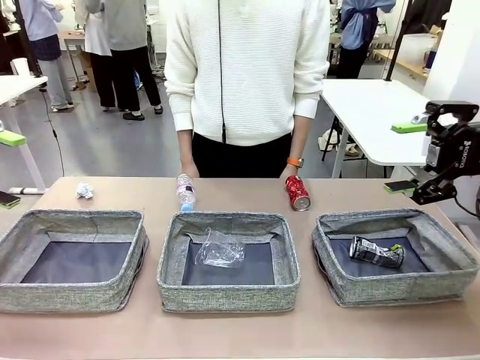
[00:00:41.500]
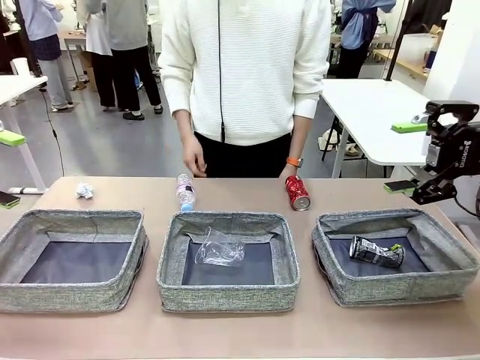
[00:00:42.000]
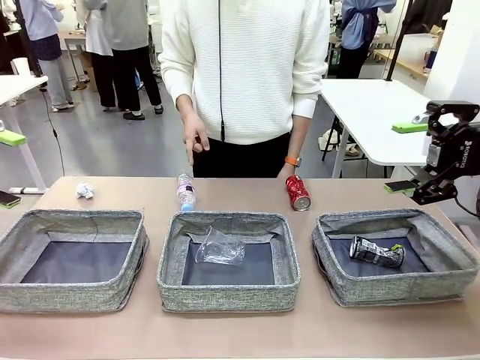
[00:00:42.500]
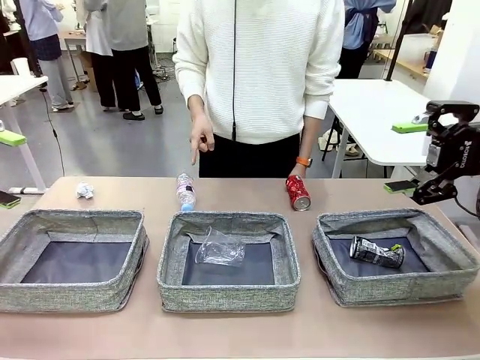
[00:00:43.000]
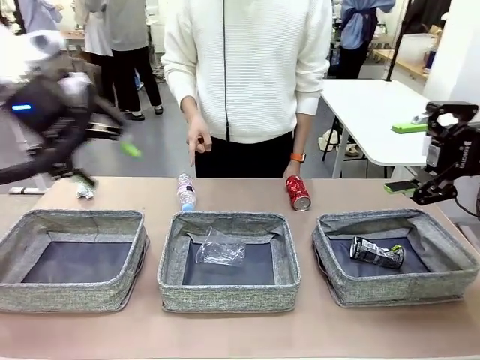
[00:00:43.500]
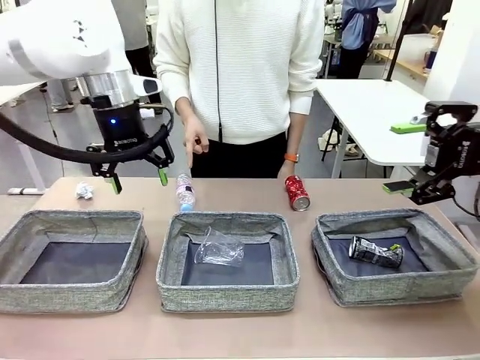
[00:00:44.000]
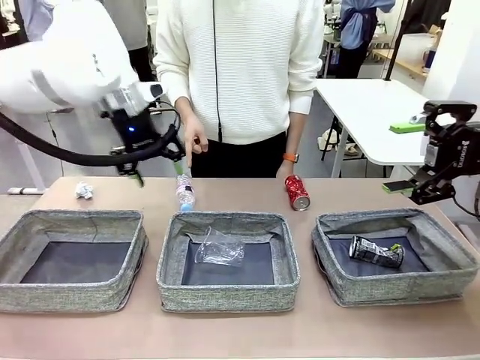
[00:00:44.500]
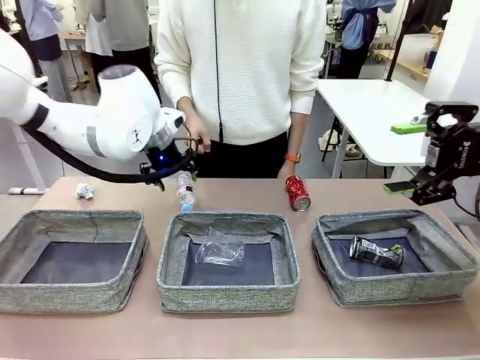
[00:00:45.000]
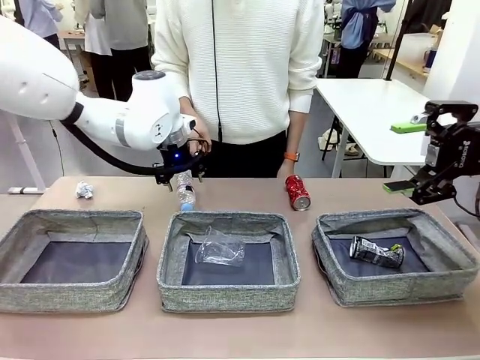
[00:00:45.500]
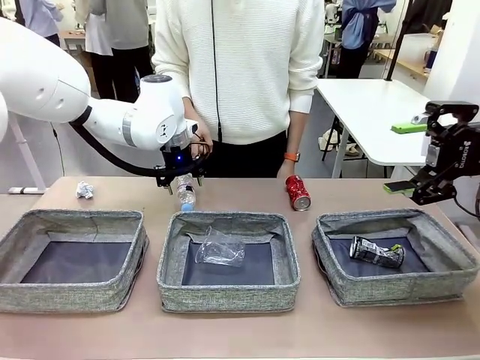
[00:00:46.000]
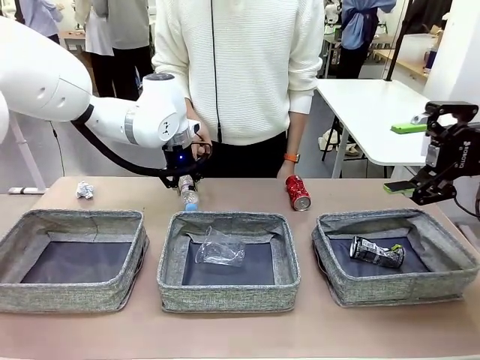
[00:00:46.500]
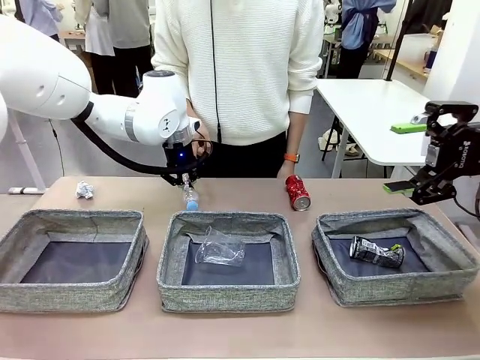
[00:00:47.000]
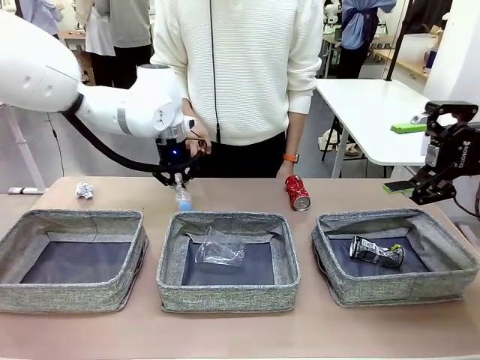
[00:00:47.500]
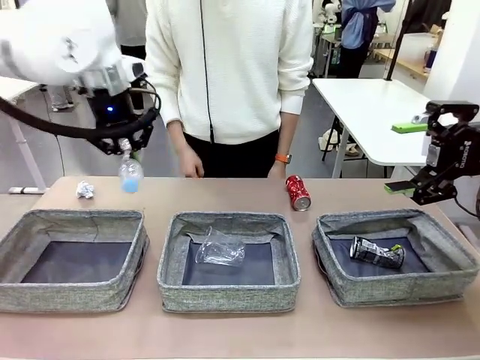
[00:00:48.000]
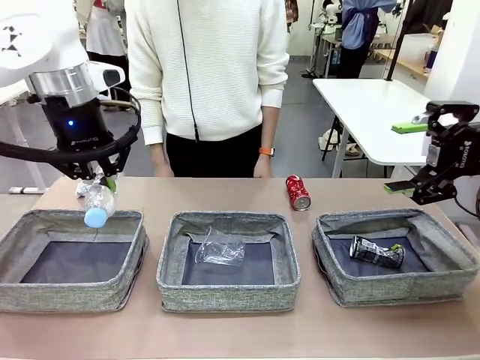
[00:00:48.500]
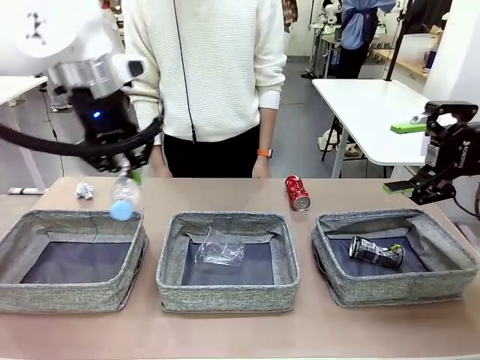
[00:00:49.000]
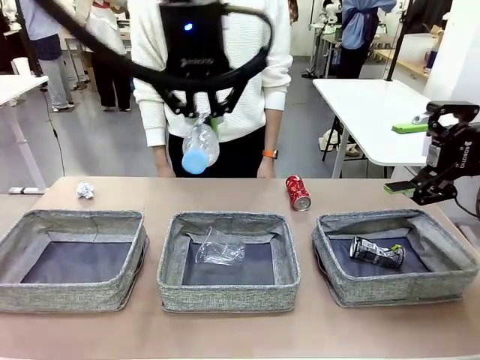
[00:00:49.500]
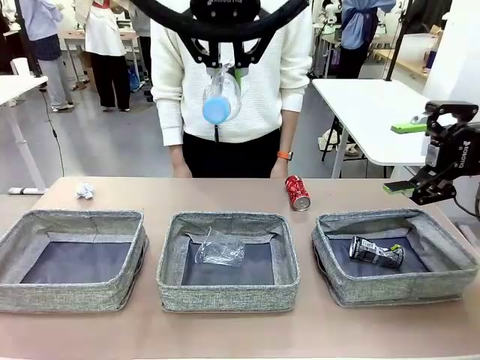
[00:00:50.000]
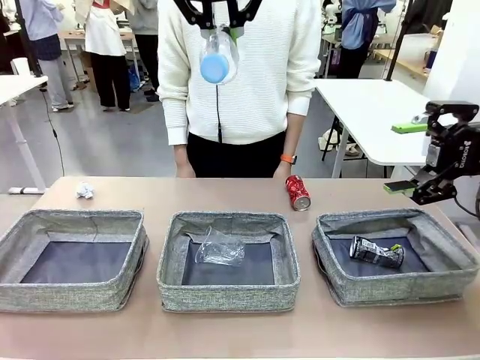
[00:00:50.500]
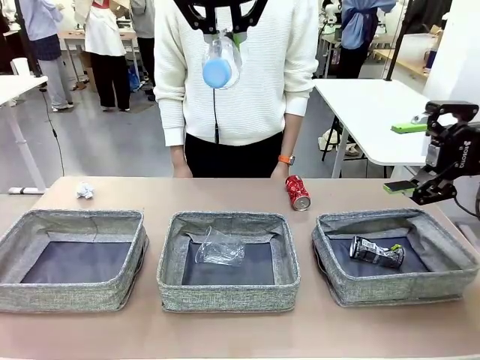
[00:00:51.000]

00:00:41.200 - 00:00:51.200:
Task: Sort the waste into the appropriate baskets.
Robot: Pick up the waste item pointed out by the person.
Person: Points to one piece of trash on the table.

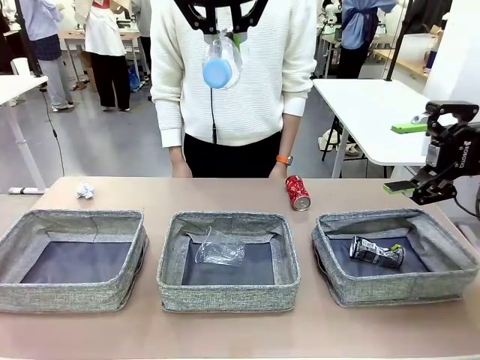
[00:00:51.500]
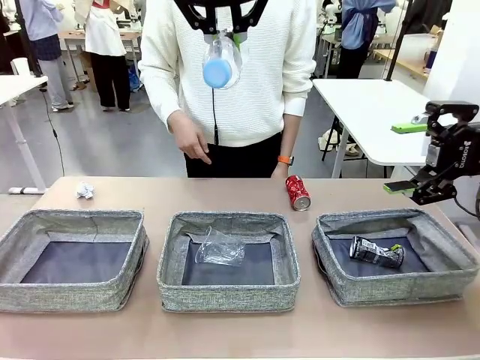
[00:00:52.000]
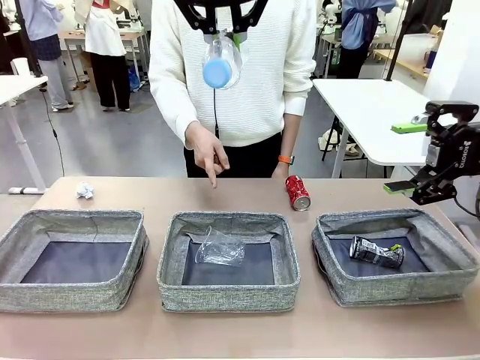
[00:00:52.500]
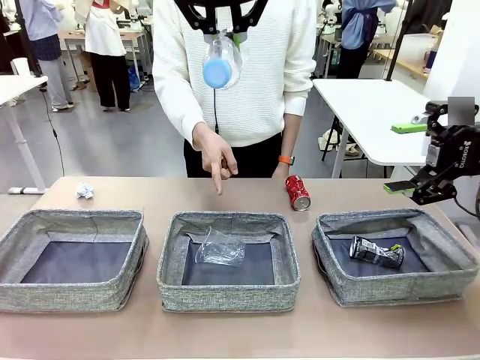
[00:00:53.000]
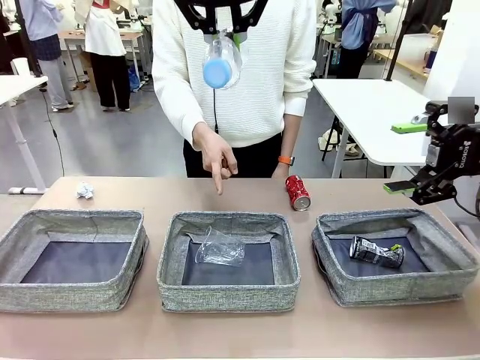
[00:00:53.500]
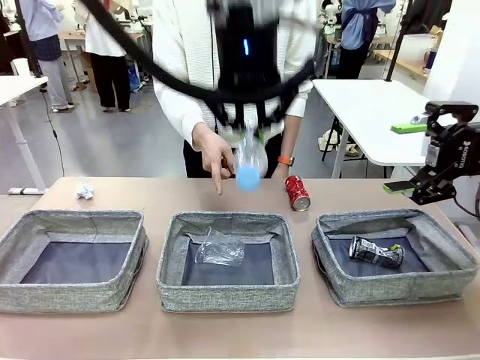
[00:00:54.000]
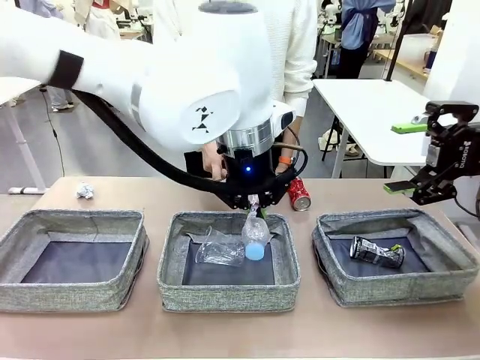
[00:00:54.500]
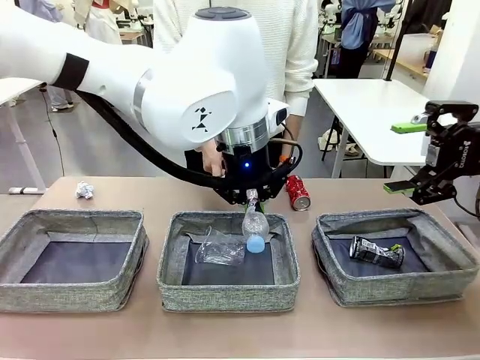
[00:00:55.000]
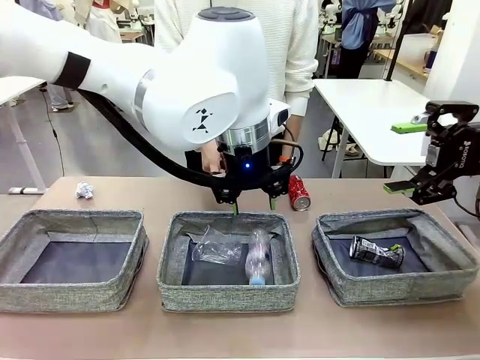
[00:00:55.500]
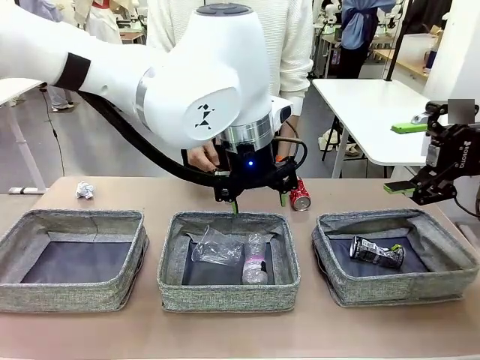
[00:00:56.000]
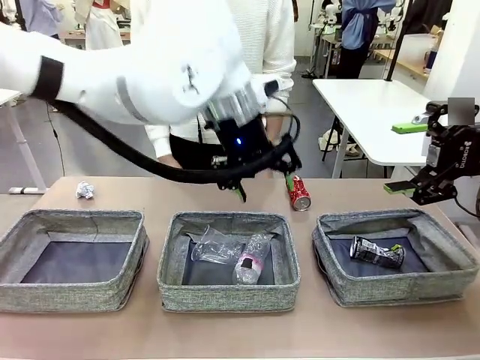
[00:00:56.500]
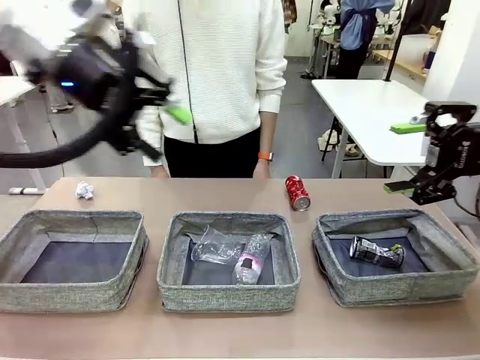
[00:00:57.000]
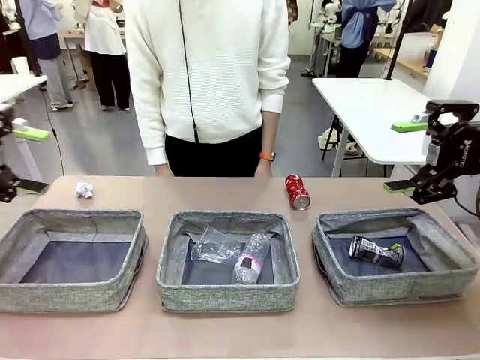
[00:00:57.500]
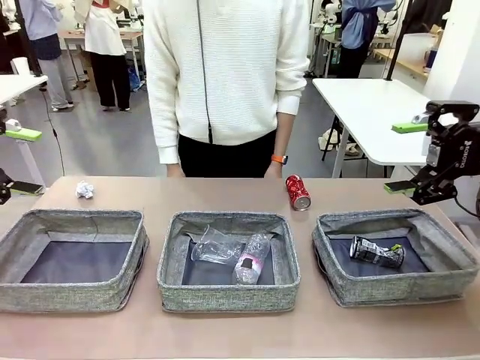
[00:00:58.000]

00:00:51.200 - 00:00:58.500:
Robot: Place the picked waste into the Fabric basket indicated by the person.
Person: Instructs the robot to place the picked-up trash into the appropriate organizing basket.

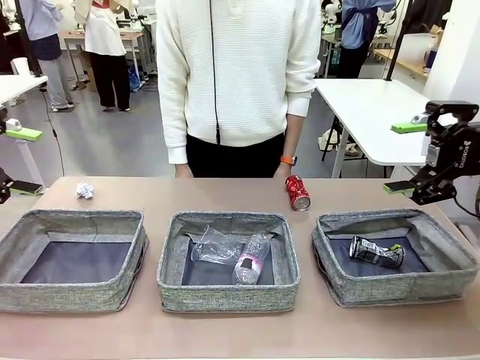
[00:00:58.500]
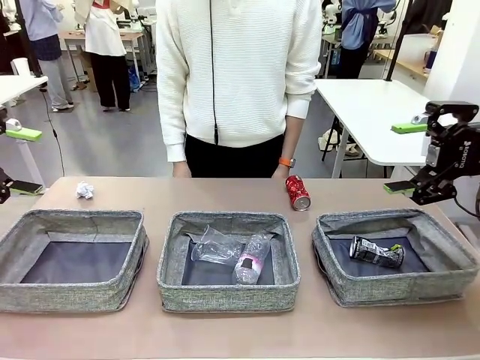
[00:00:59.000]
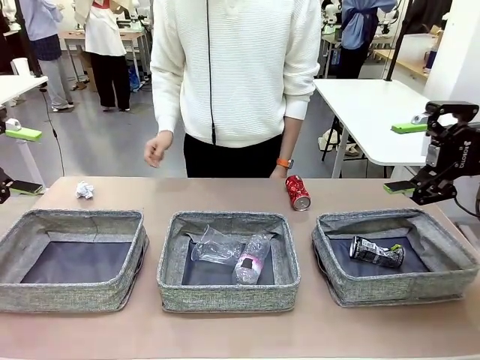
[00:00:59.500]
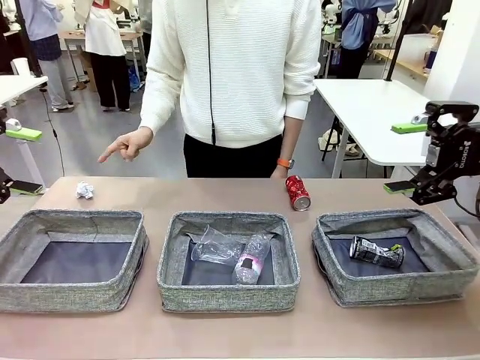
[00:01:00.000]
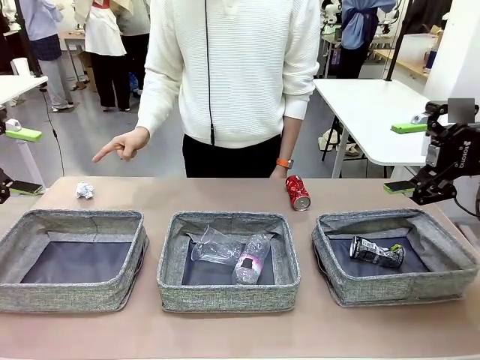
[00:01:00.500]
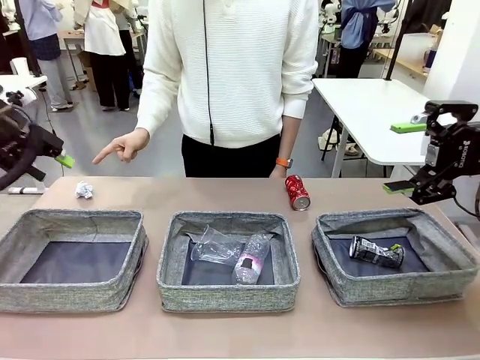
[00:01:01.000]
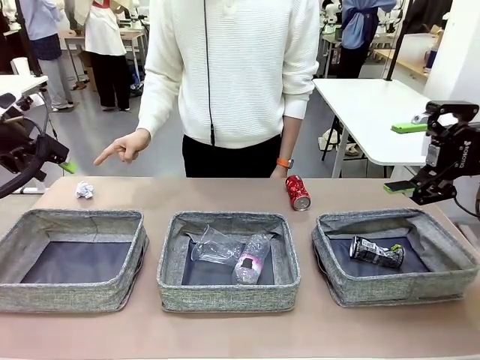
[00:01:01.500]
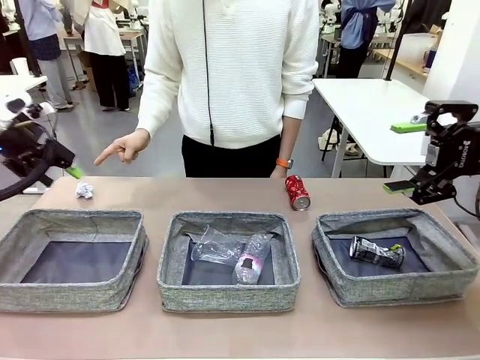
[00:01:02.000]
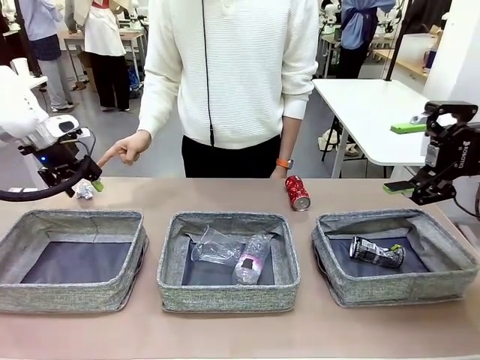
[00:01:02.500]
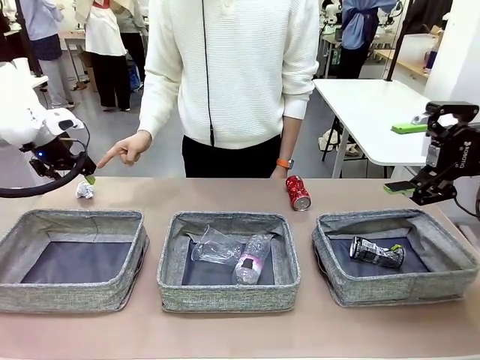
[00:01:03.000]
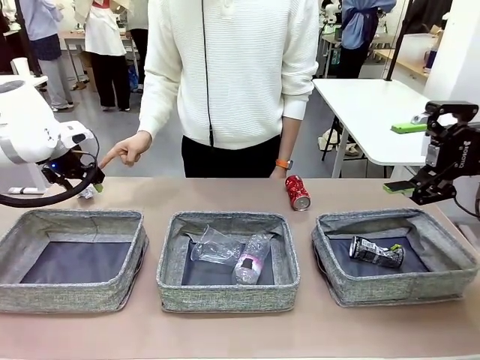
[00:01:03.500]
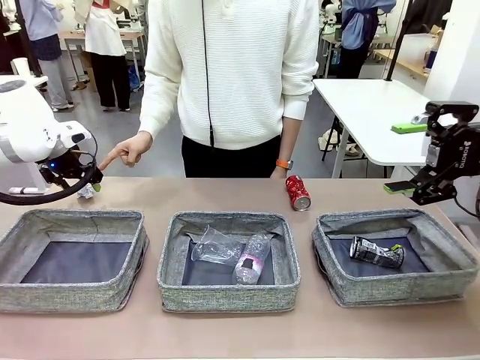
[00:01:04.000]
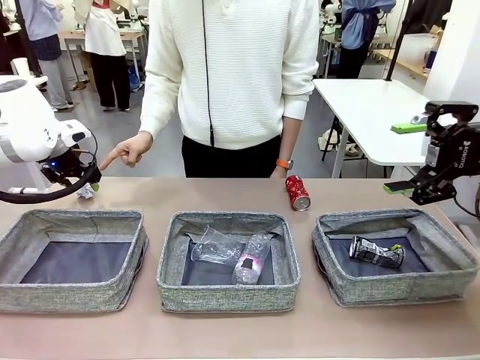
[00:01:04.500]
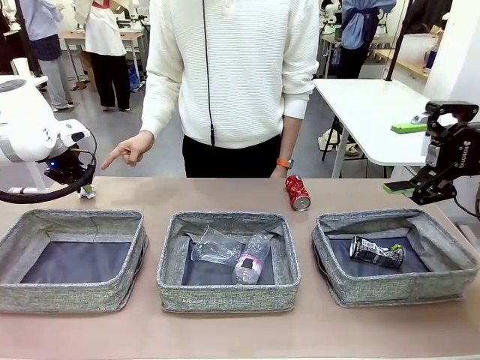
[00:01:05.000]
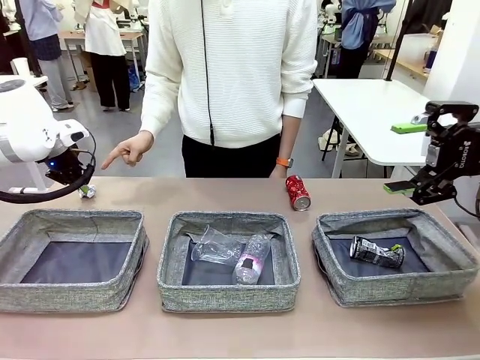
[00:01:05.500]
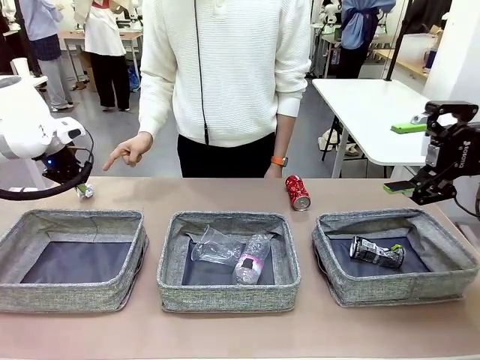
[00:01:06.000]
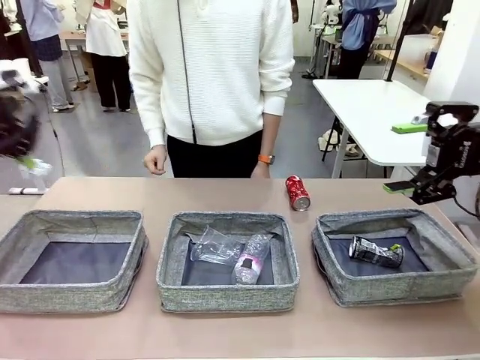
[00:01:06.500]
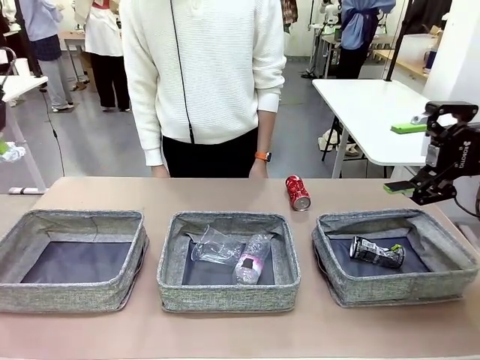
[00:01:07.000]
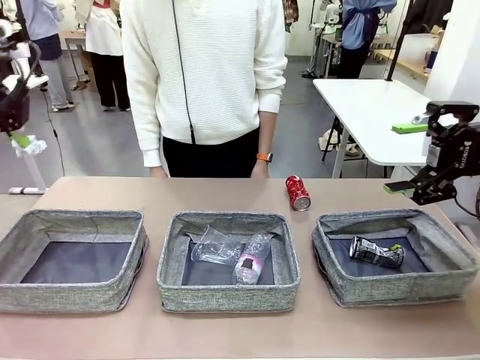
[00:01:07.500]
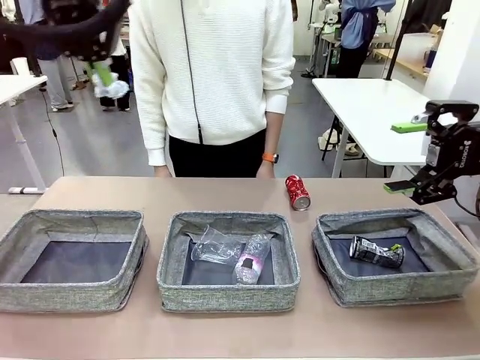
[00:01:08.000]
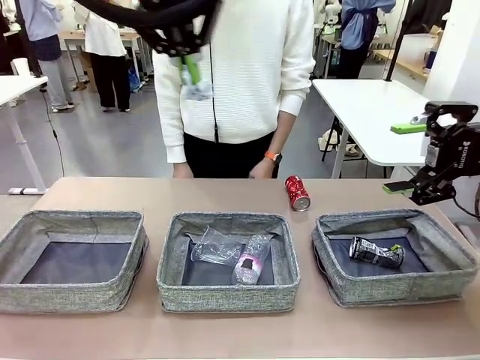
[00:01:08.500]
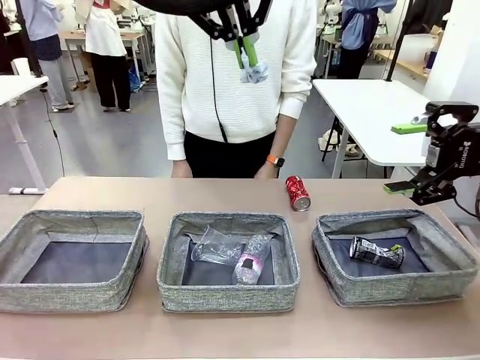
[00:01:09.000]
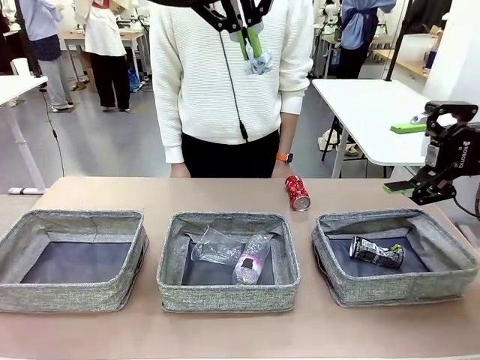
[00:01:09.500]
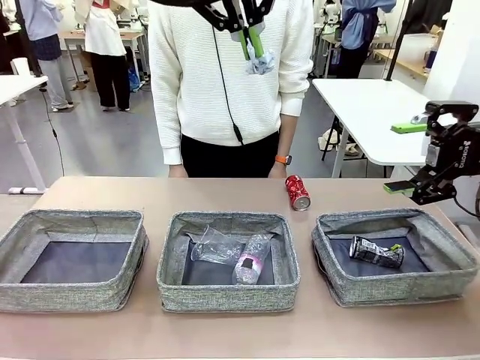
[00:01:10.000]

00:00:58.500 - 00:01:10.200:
Robot: Pick up the waste item pointed out by the person.
Person: Points to one piece of trash on the table.
